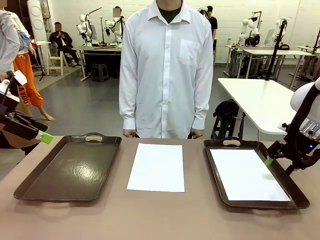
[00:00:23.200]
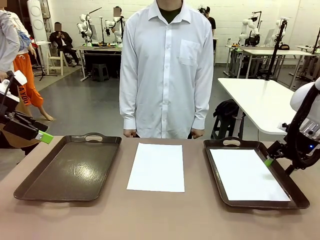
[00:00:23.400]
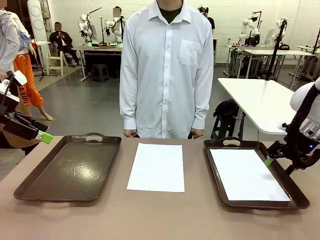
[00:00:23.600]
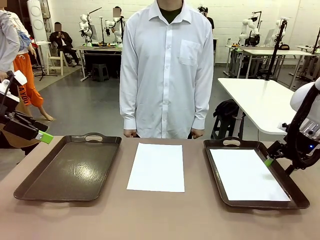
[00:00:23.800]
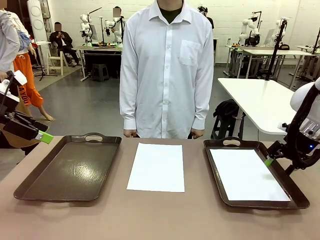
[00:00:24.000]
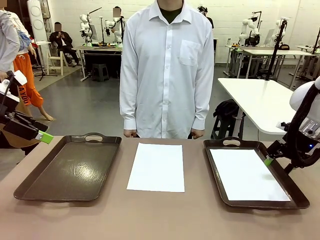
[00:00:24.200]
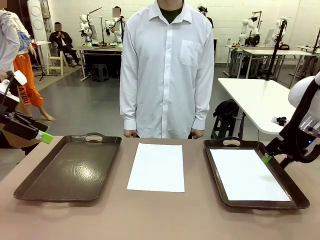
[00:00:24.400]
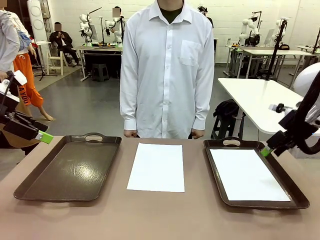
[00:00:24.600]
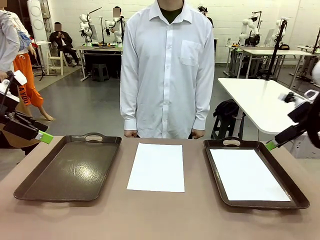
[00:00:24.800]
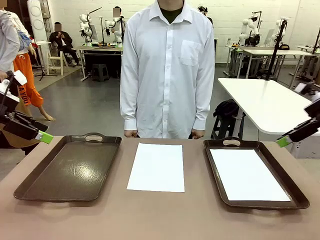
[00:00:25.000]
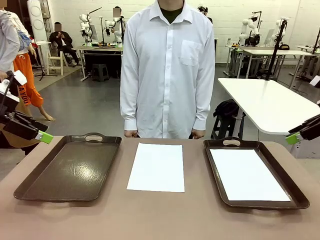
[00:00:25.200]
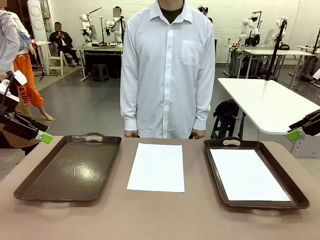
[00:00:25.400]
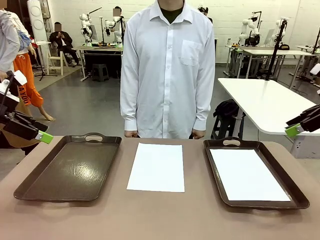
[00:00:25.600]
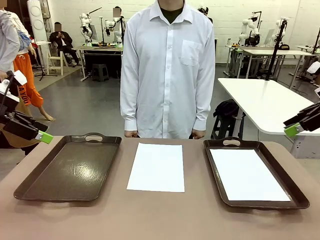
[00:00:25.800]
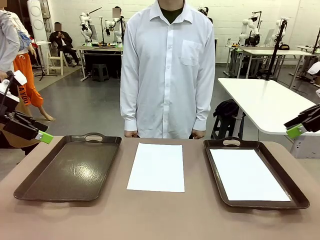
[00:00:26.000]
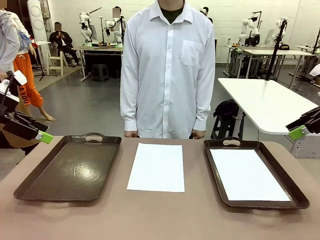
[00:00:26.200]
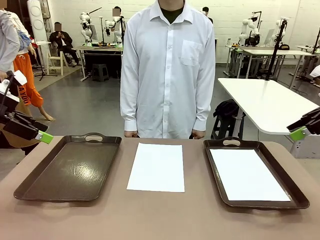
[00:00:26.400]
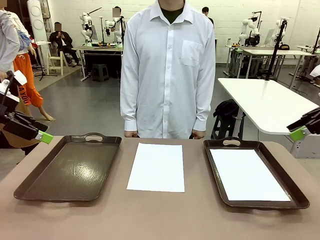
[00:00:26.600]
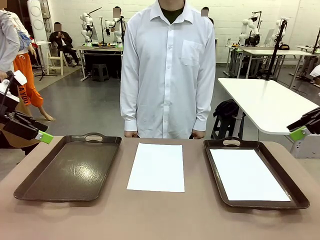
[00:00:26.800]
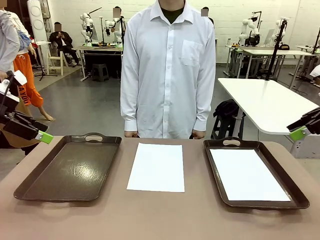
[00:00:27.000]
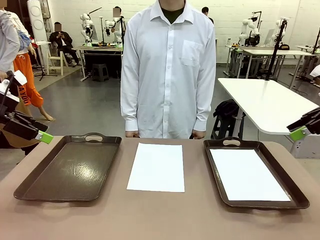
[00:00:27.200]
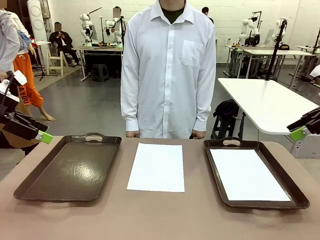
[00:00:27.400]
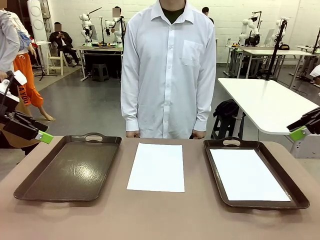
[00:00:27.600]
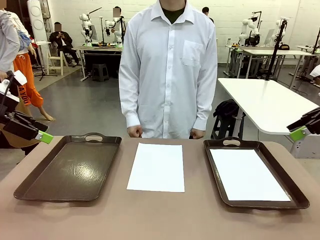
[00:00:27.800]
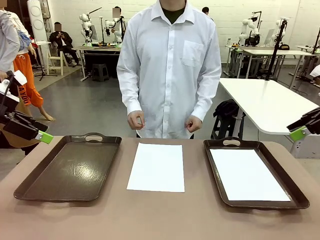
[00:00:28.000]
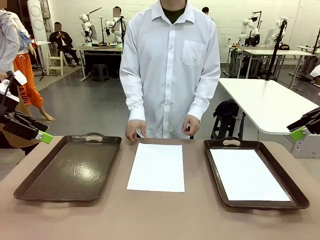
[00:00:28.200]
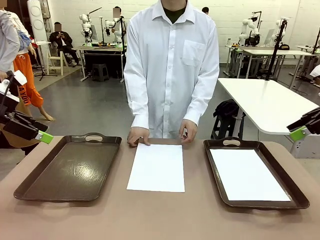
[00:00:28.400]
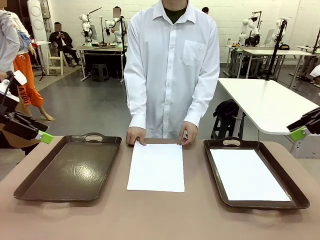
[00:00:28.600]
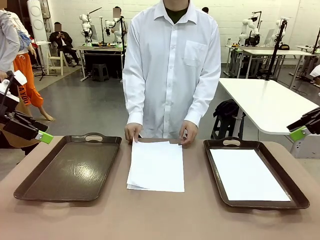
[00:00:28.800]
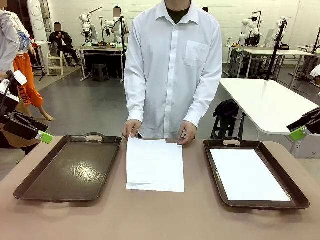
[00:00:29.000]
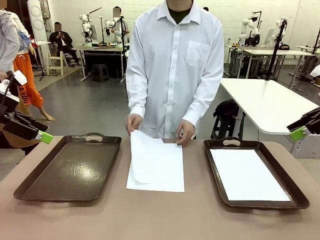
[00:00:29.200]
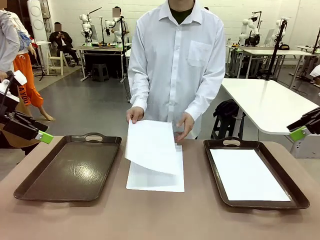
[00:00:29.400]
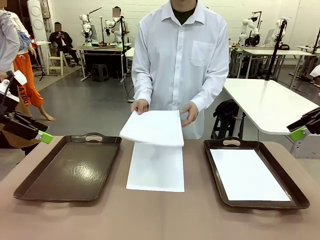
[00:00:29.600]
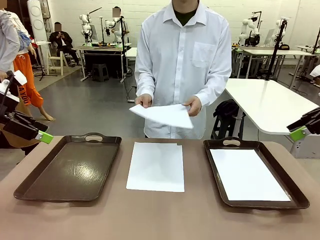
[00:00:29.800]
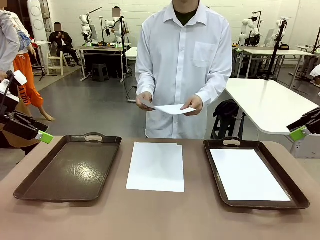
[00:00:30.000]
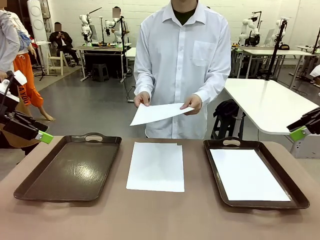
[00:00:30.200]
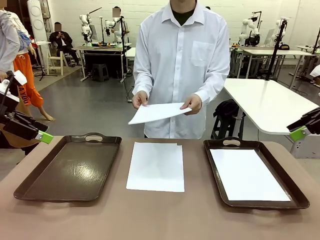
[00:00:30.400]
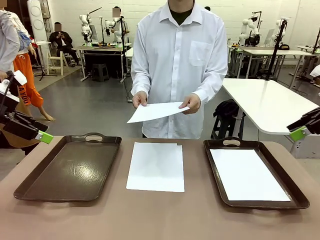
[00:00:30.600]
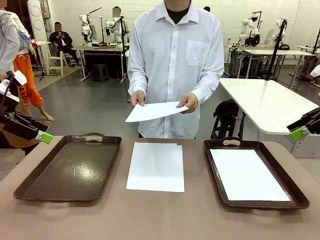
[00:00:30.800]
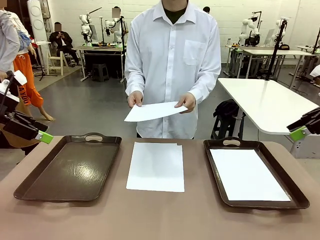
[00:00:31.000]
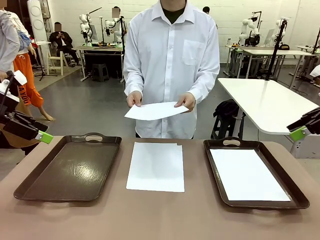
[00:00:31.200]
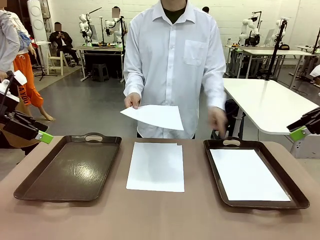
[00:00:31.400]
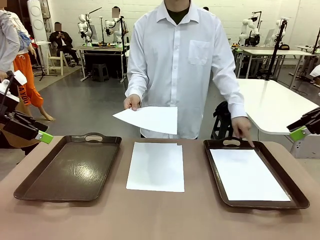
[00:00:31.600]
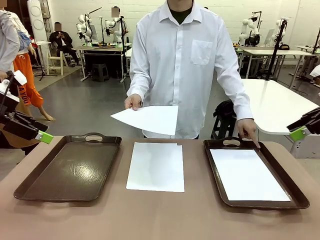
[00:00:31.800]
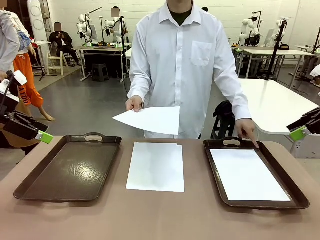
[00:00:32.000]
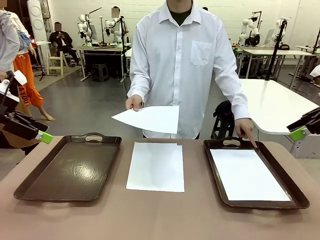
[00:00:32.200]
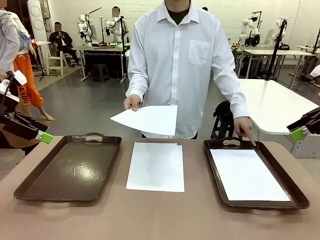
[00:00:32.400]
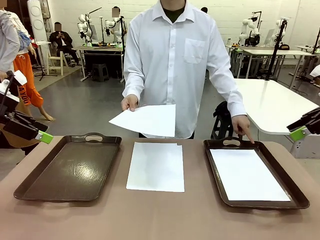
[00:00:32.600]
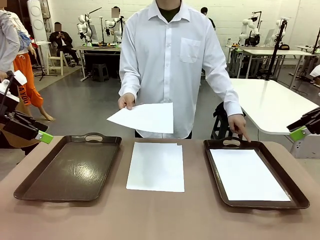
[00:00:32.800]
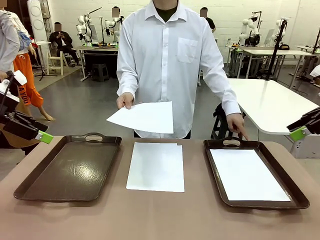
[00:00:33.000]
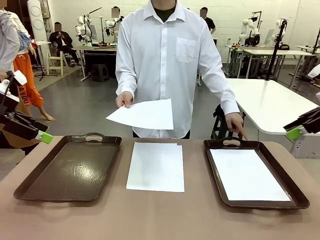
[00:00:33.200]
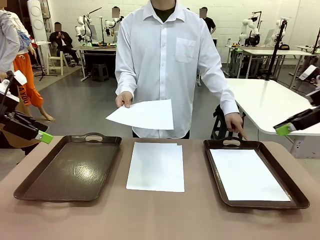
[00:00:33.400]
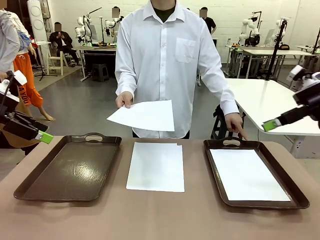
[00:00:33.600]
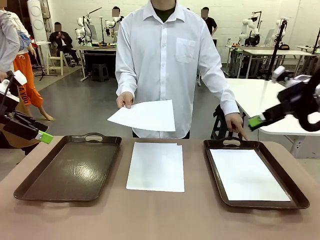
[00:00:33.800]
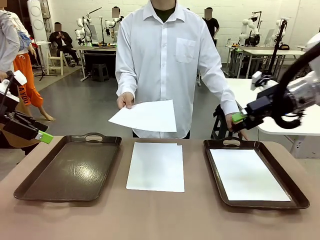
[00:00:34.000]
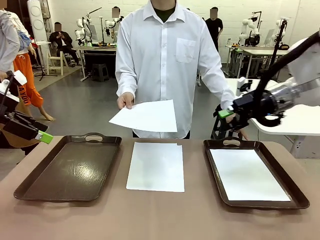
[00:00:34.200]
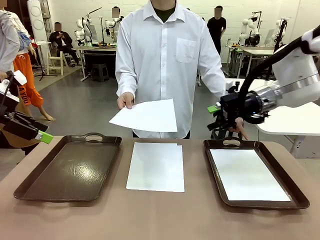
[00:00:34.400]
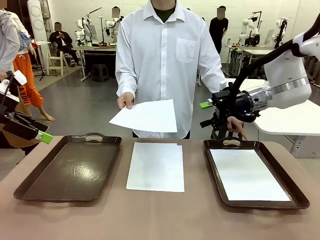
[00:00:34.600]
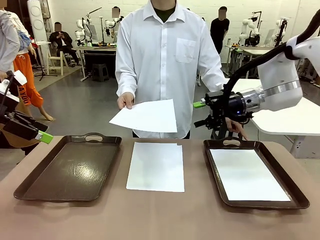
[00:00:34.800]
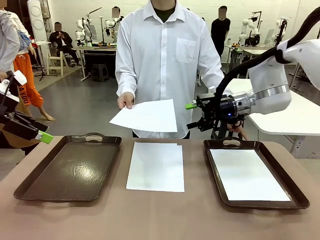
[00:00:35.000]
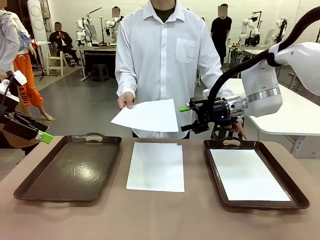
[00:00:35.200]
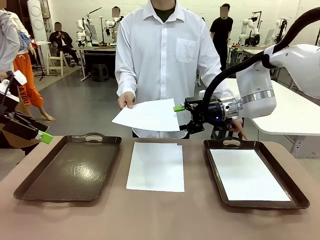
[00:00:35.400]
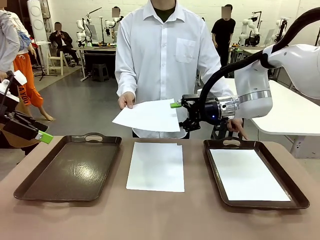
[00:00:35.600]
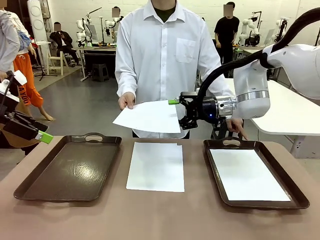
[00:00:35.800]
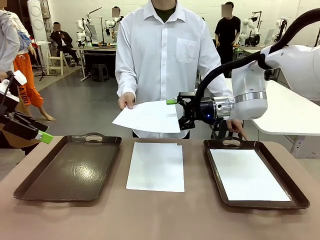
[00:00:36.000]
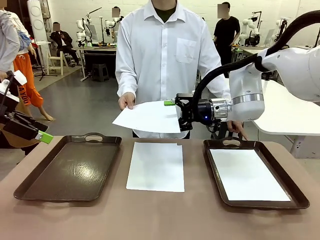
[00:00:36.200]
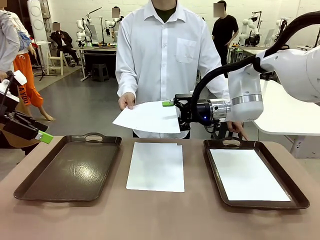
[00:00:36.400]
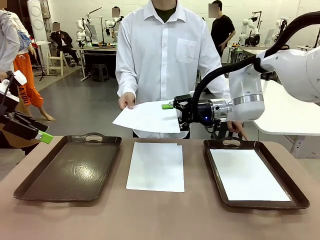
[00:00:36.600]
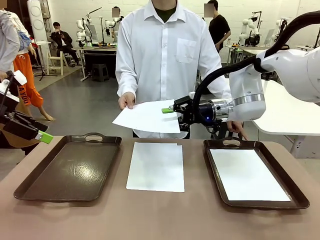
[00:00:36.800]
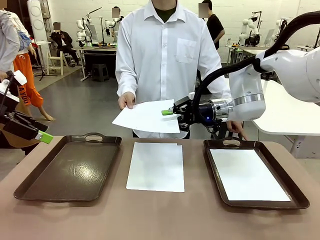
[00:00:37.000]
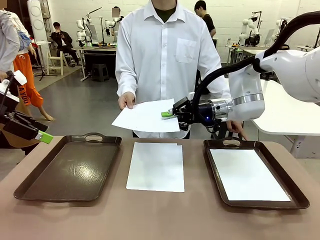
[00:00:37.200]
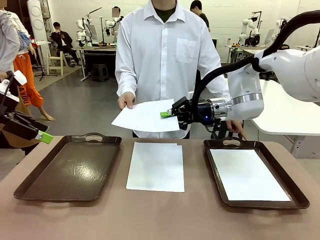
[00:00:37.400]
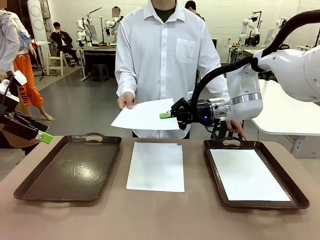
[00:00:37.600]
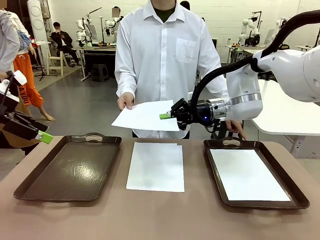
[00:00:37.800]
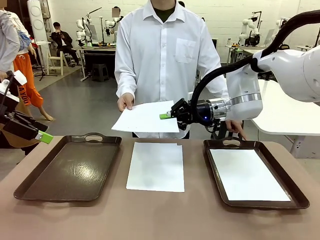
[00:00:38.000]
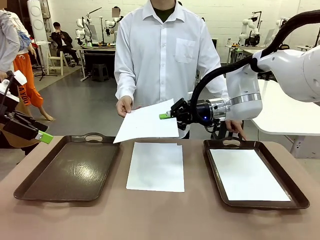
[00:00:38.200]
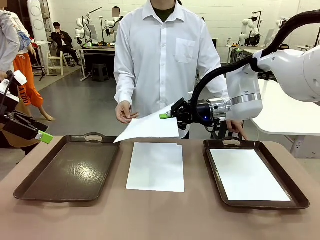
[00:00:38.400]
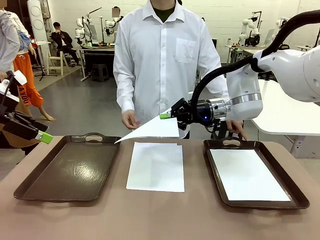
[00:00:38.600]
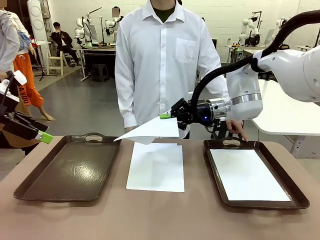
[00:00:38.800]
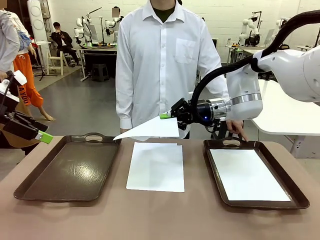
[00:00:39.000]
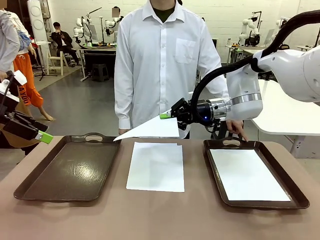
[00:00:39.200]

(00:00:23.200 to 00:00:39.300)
Task: Sort the A4 documents.
Robot: Receive the A4 Paper.
Person: Point the randomly selected tray with the other hand.

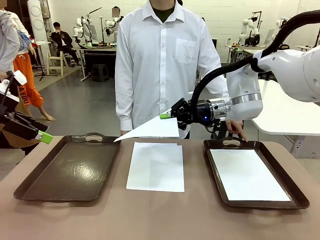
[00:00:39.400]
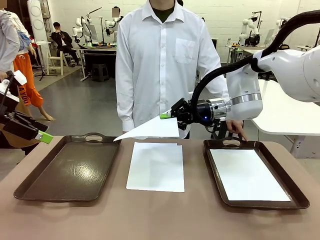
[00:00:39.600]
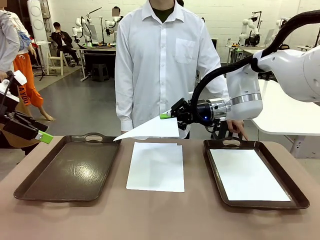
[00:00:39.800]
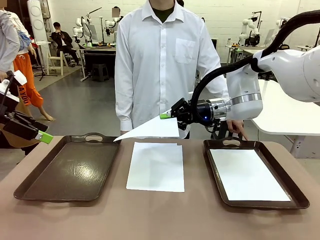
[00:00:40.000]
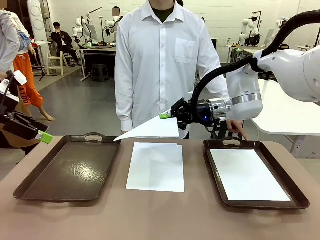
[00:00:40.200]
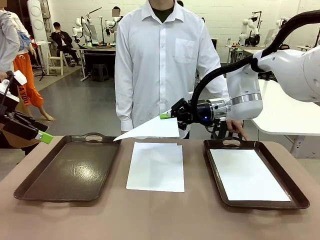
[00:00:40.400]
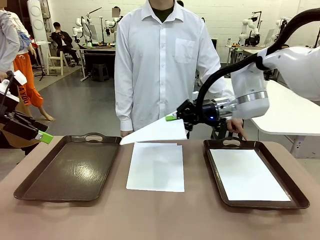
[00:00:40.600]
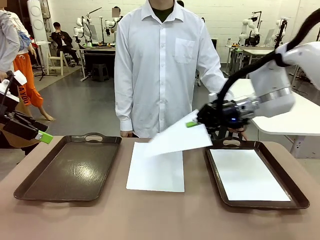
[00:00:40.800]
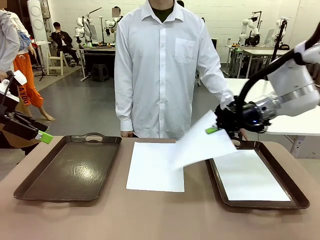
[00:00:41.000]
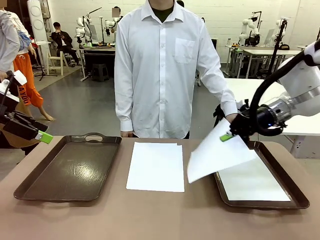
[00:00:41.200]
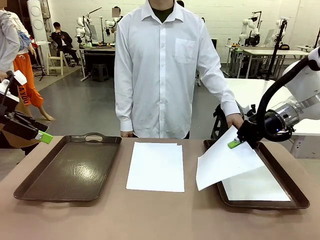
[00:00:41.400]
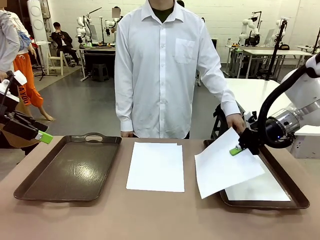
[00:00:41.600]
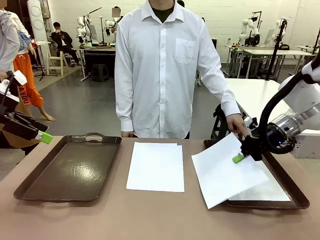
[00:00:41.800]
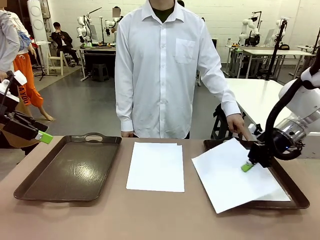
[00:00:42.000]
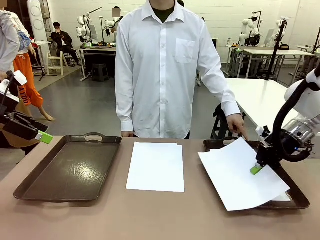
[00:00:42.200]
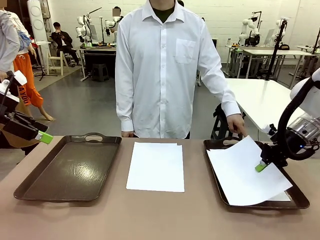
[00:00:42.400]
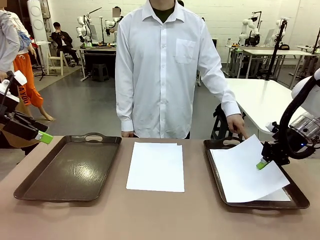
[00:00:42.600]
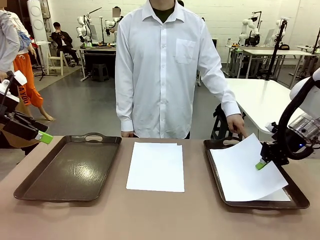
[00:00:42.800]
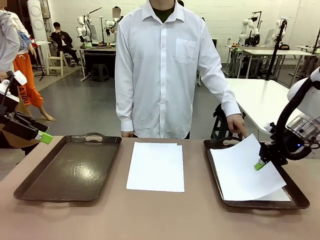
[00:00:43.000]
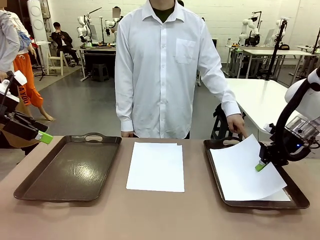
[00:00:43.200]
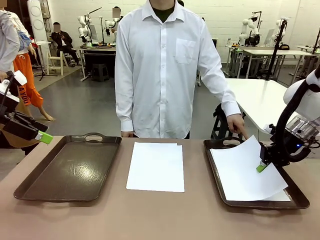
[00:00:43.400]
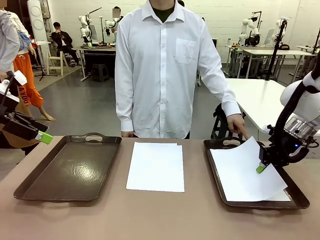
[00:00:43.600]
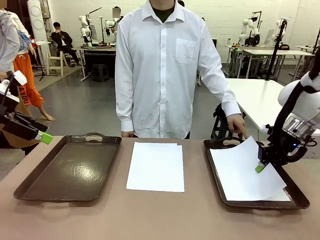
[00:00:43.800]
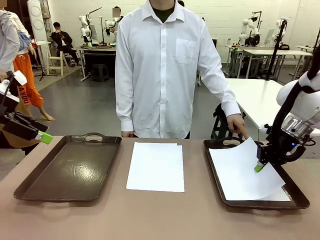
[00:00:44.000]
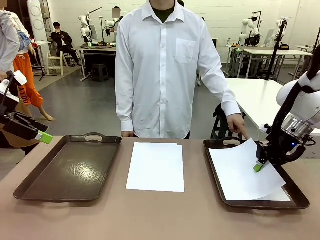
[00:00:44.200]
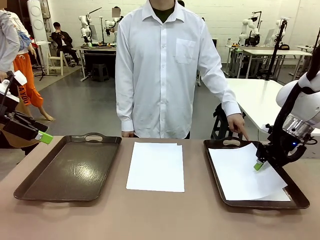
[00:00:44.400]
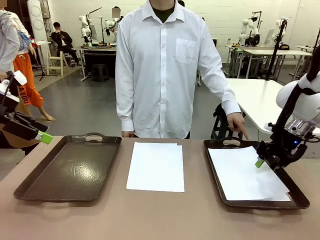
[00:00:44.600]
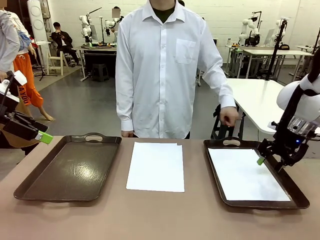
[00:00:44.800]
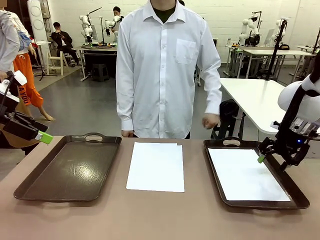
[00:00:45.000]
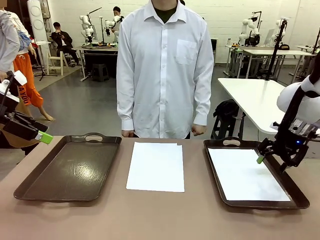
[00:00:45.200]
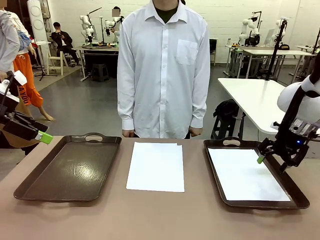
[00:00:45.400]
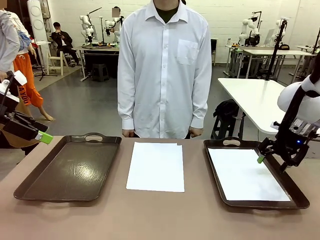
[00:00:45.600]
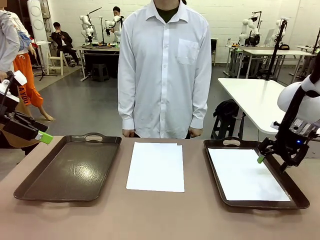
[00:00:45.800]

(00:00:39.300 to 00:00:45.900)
Robot: Place the A4 Paper in the designated Handle tray.
